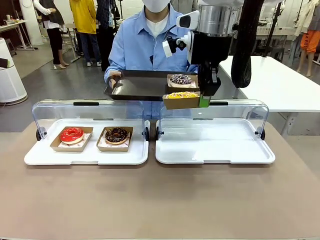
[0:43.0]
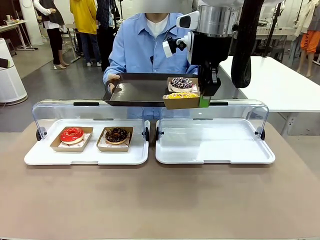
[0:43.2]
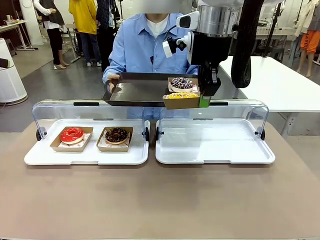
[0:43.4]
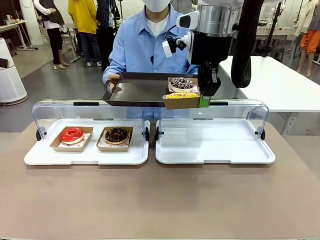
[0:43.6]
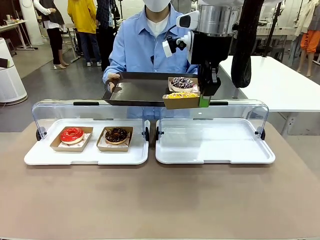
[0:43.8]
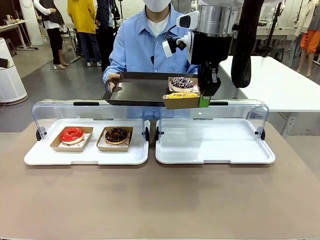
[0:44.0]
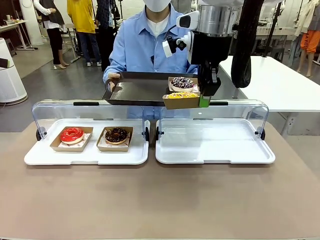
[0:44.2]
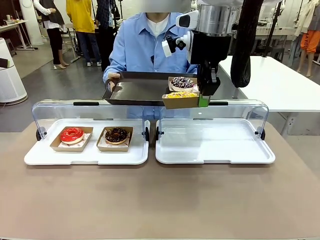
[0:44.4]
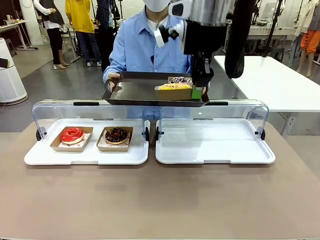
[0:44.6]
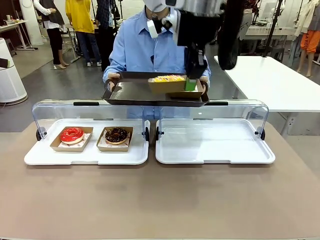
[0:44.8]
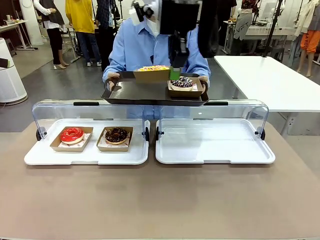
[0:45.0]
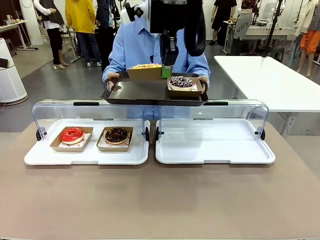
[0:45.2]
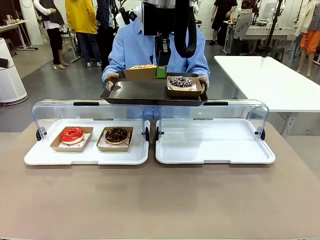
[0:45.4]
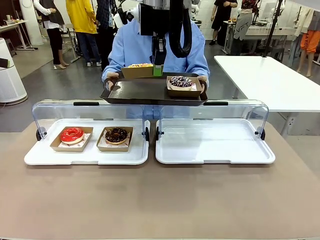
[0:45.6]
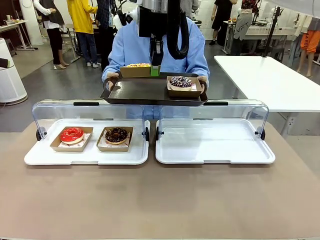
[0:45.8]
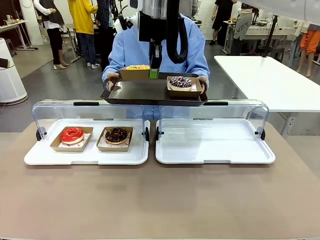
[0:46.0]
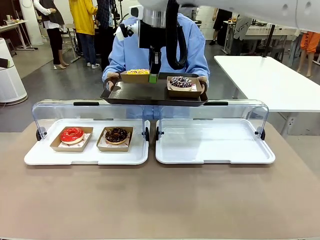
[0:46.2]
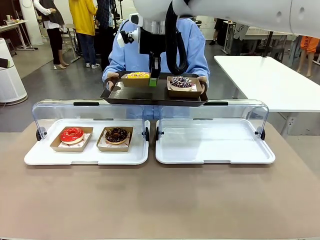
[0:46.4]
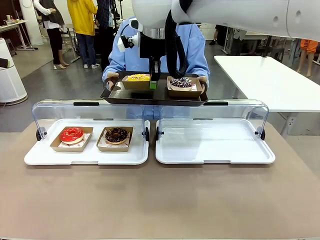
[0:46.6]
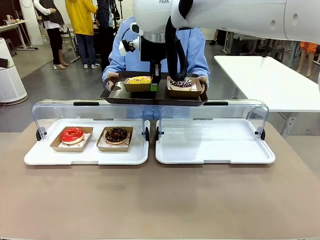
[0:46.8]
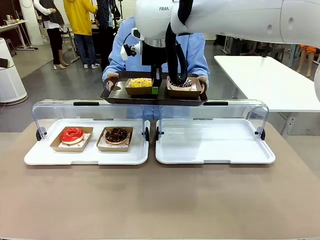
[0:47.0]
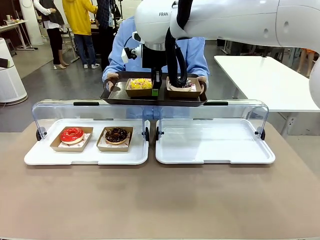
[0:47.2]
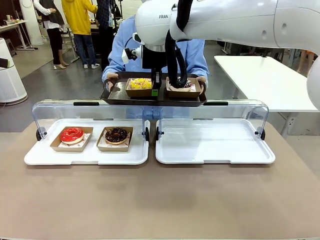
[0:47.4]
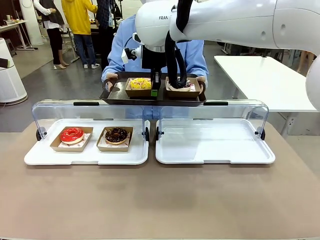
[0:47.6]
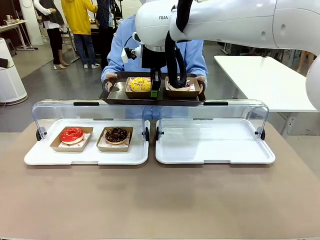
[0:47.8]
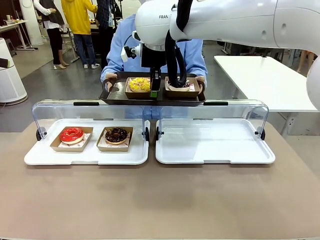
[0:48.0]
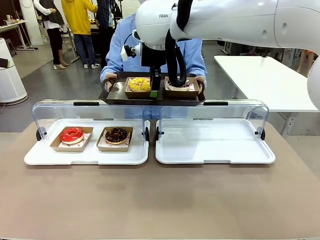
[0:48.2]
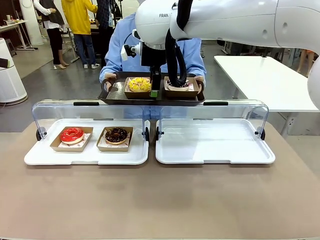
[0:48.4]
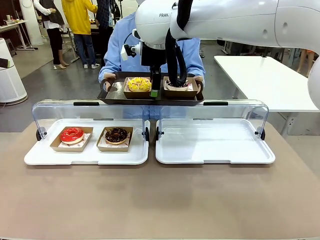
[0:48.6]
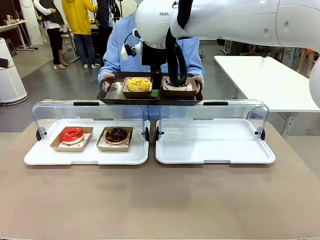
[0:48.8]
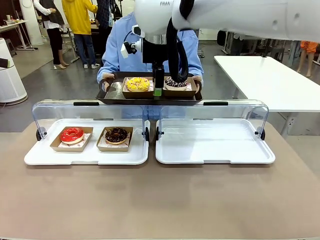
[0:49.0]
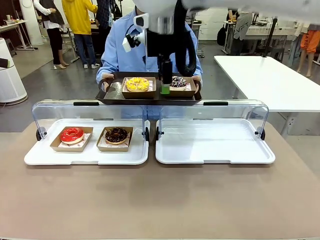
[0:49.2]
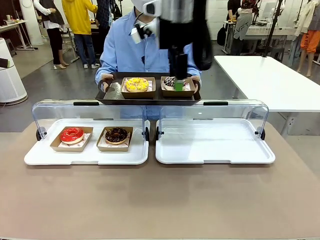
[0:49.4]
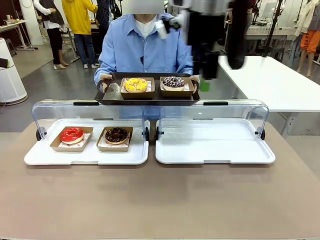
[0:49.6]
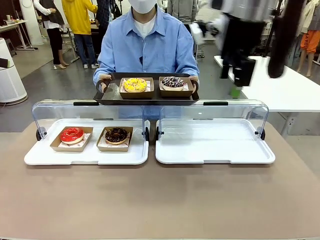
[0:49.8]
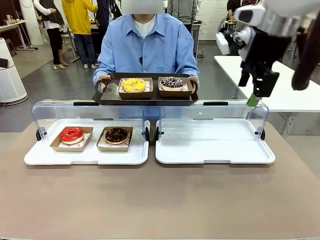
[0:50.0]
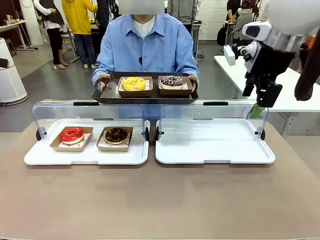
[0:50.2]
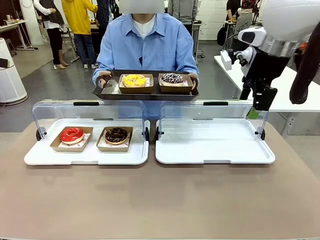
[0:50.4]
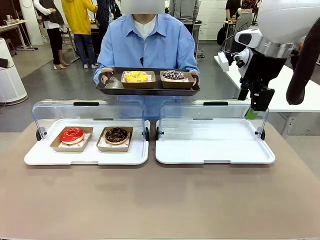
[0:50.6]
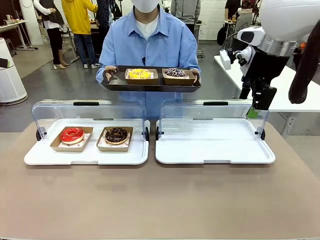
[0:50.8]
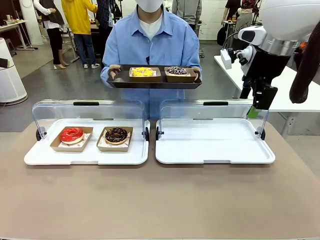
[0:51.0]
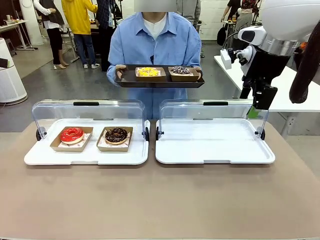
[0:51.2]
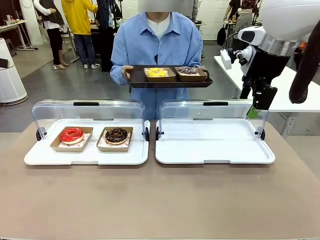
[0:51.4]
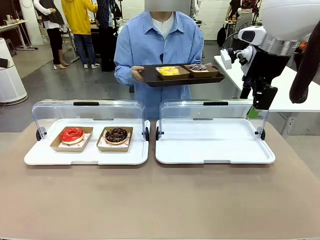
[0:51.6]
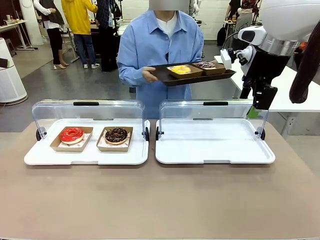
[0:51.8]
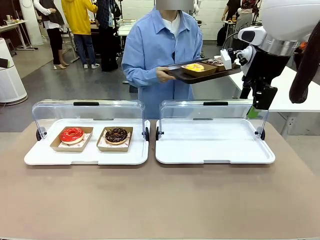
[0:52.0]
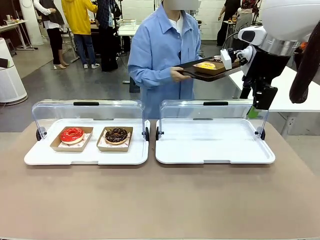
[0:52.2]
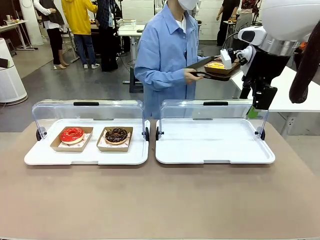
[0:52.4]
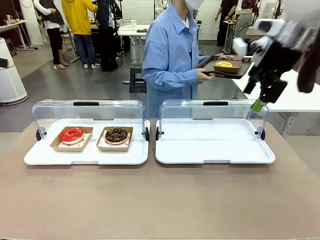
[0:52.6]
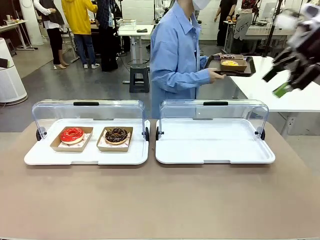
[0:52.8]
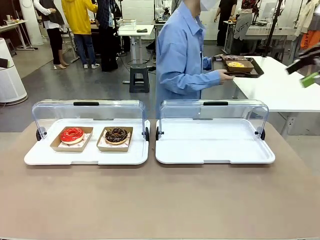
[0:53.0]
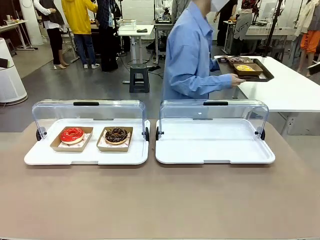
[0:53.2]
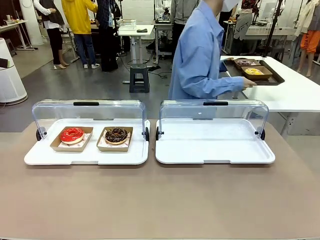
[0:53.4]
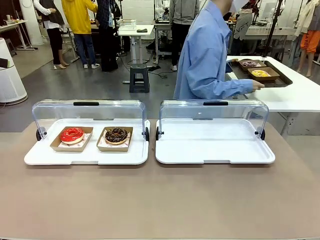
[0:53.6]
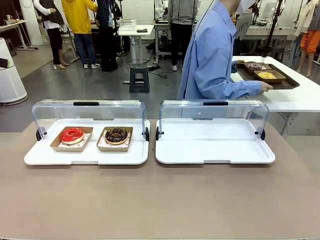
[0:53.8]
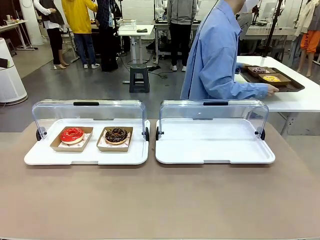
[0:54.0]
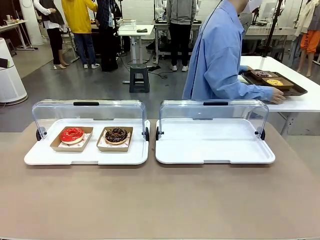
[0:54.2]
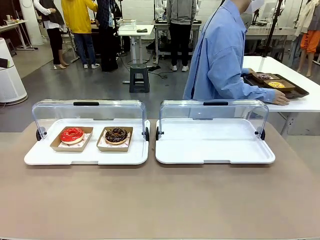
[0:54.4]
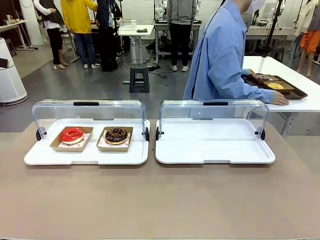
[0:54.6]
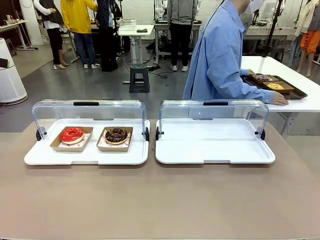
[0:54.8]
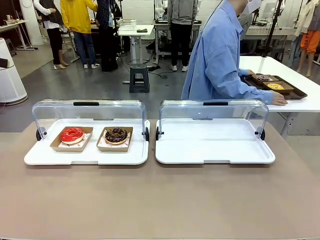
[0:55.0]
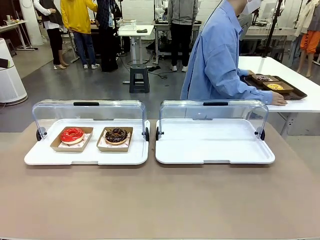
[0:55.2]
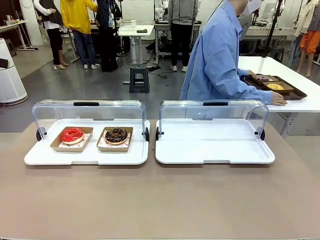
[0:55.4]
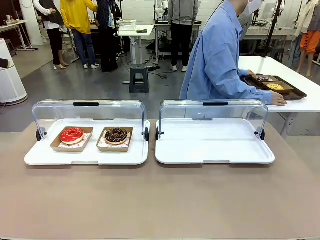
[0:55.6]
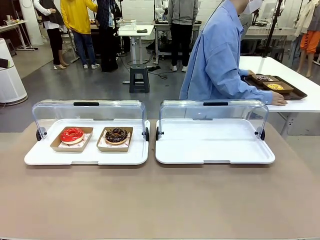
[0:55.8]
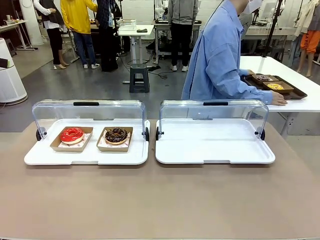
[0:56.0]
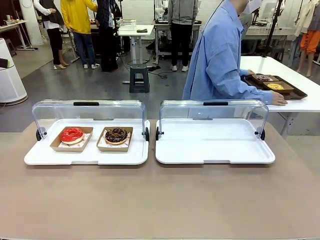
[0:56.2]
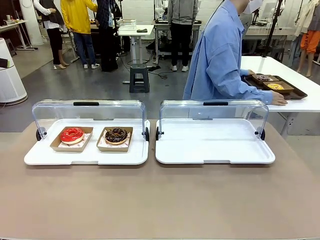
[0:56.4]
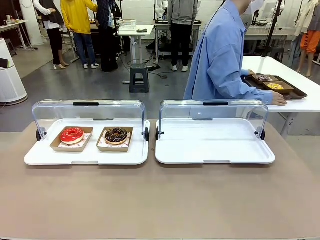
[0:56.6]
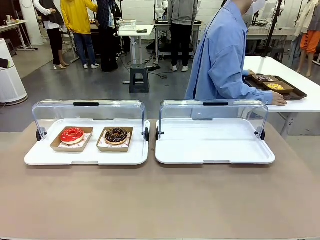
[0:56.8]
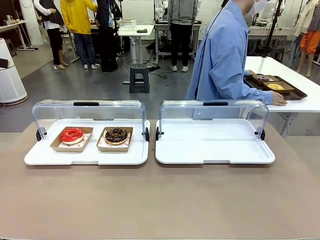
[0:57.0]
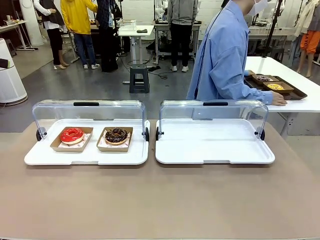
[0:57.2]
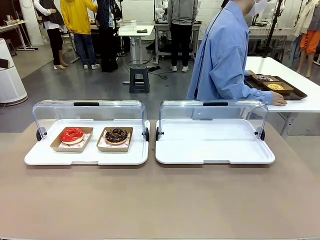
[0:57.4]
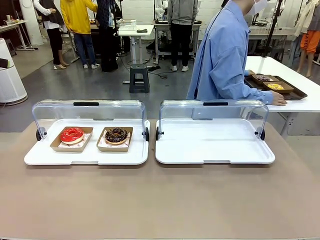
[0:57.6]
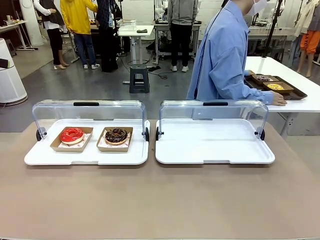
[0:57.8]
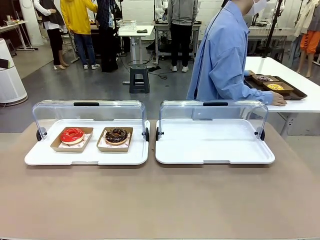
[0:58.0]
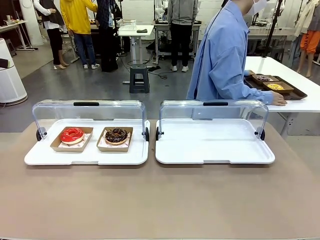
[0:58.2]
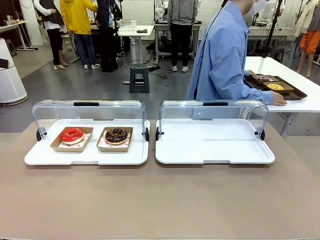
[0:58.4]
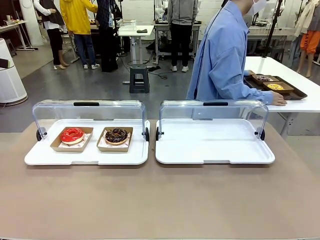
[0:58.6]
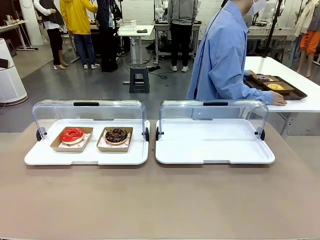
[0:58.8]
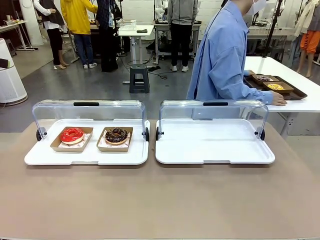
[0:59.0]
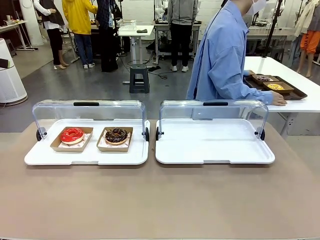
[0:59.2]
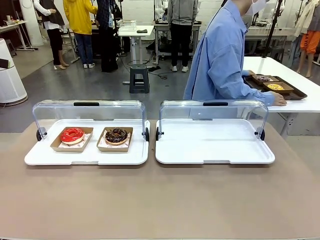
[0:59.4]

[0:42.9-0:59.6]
Task: Provide the desired donut to the person.
Robot: Place the picked Paper togo box onto the Handle tray extended by the person.
Person: Place the tray in the middle of the human table.

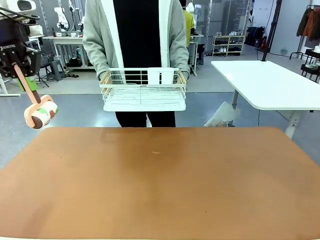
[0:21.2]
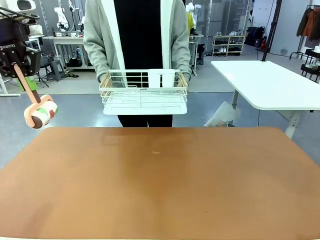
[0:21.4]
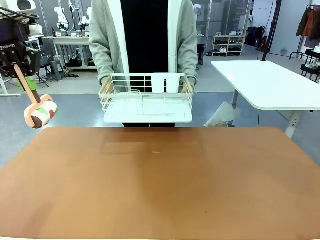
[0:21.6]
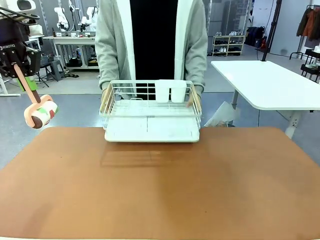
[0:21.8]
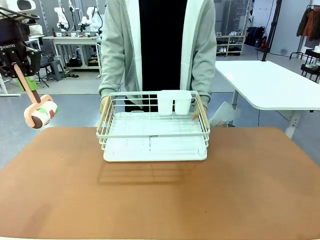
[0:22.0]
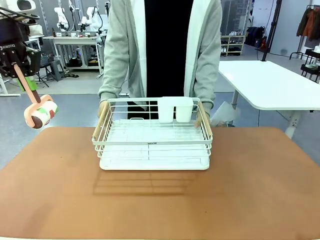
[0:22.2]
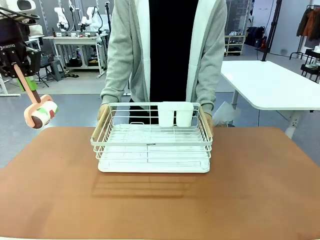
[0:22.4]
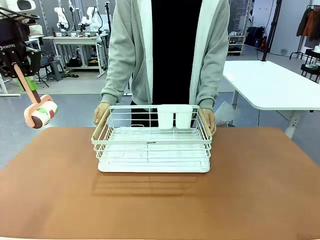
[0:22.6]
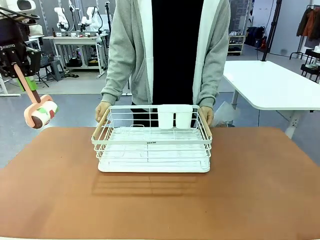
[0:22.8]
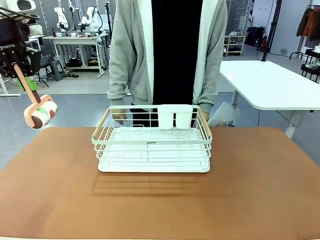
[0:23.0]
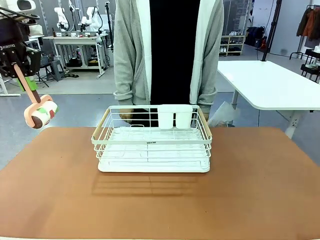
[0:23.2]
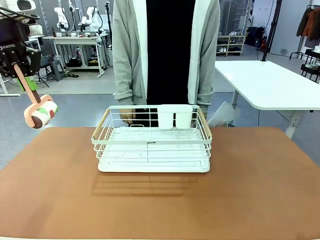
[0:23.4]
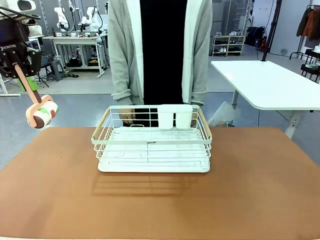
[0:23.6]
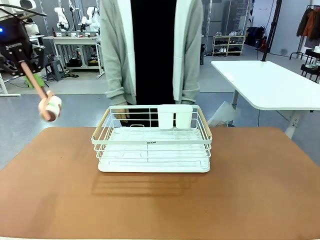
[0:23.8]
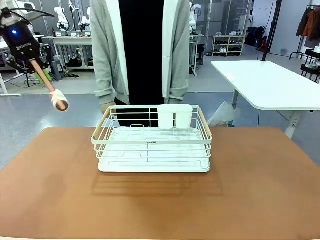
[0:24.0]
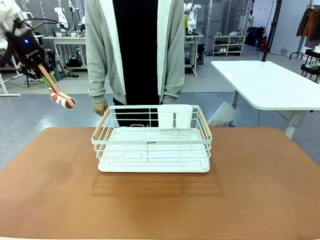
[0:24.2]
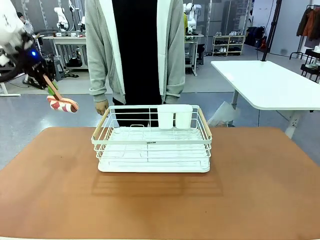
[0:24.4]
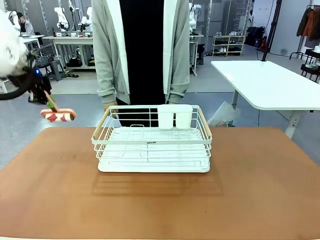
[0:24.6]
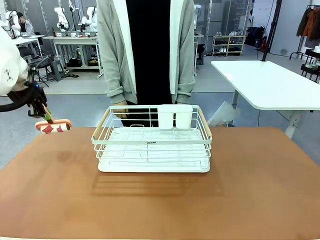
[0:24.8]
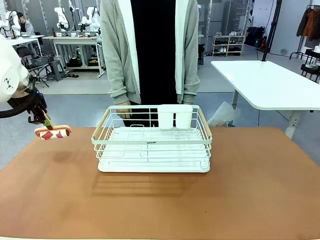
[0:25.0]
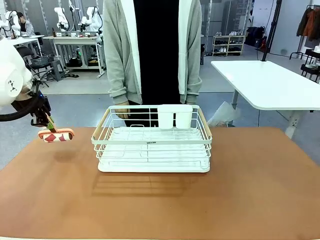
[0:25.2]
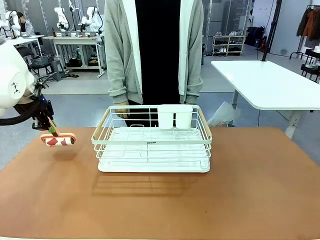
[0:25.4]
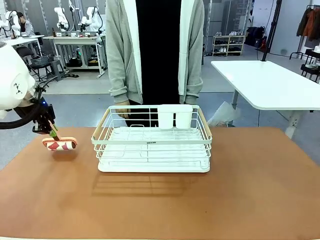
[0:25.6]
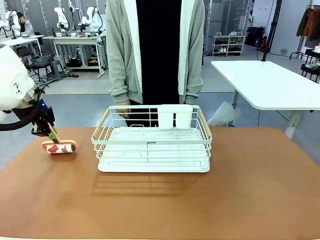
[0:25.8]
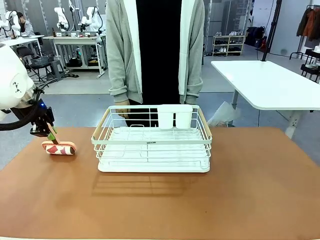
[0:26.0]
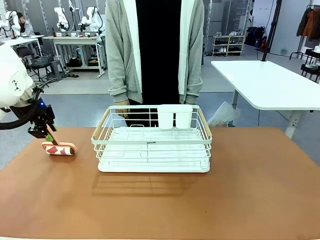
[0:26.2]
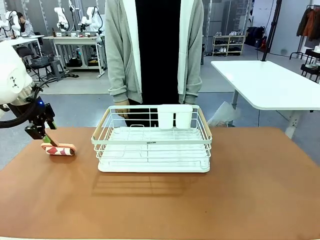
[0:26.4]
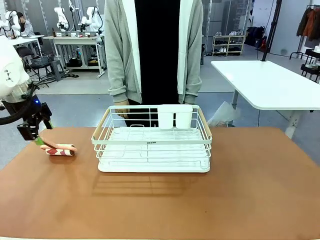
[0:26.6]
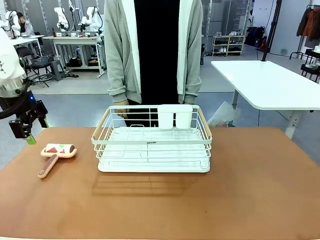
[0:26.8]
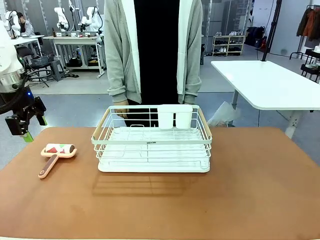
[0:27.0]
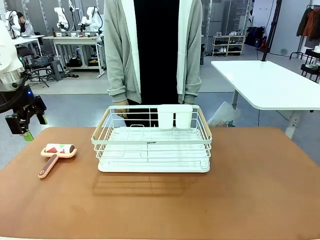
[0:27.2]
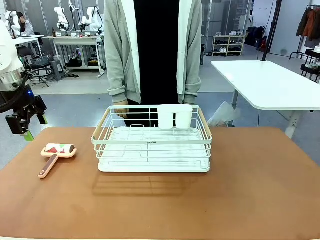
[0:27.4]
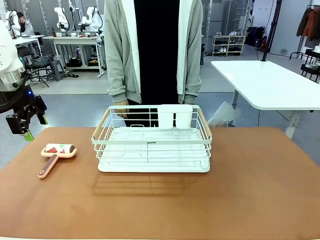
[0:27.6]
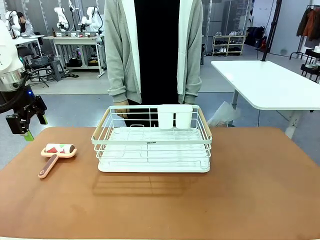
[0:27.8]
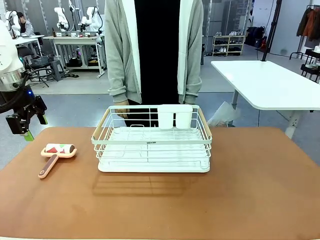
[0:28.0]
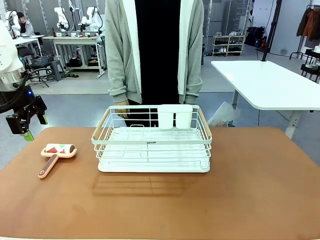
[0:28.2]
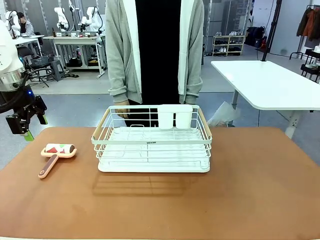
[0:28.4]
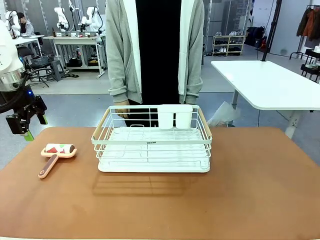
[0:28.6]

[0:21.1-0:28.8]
Task: Clean the table.
Robot: Place the Lint Roller down when the Dish drying rack is positioned in the middle of the table.
Person: Place the Dish drying rack down when the robot finishes cleaning.
